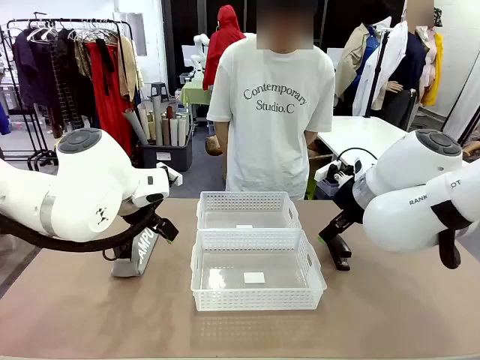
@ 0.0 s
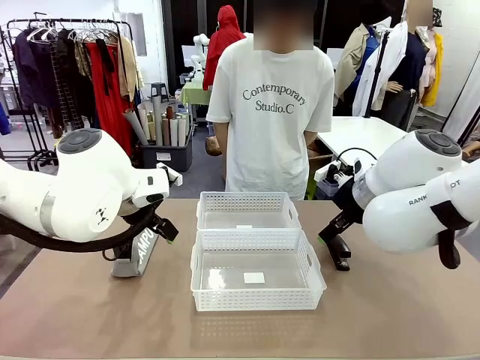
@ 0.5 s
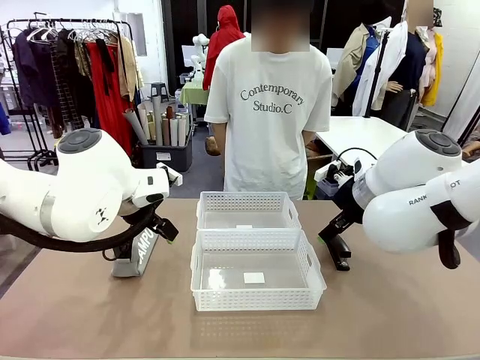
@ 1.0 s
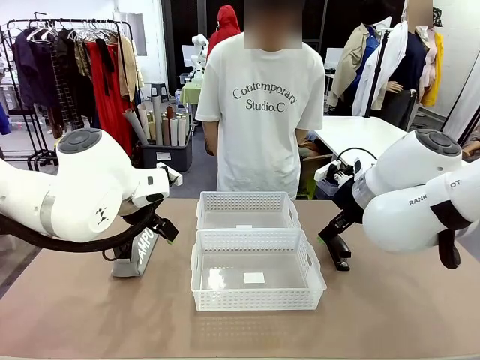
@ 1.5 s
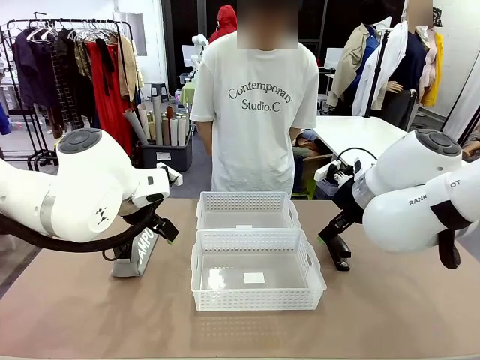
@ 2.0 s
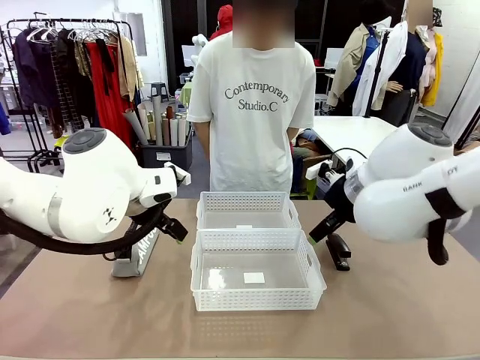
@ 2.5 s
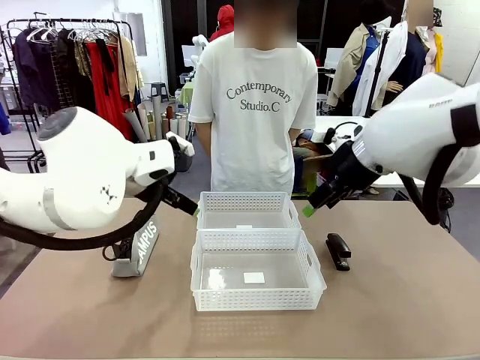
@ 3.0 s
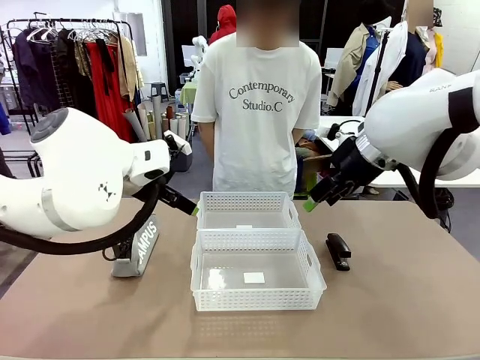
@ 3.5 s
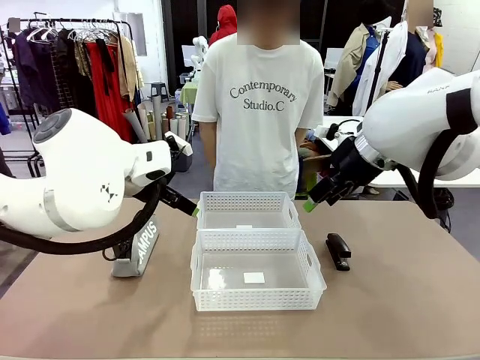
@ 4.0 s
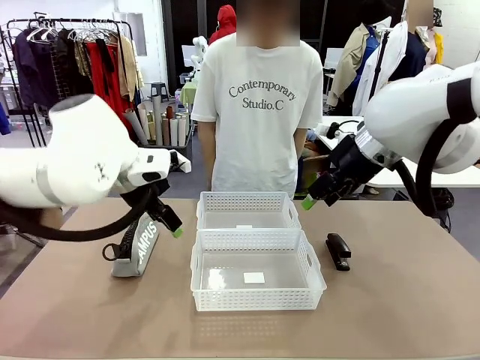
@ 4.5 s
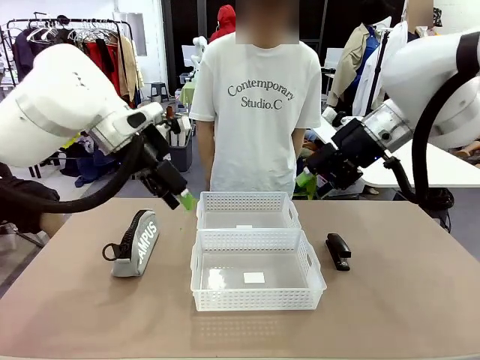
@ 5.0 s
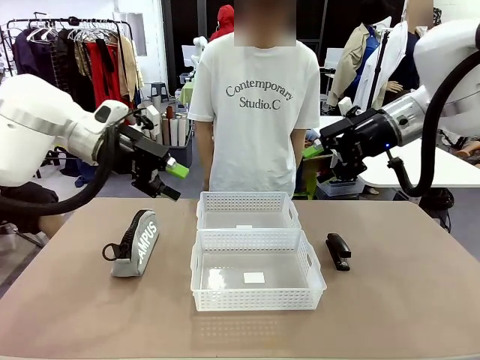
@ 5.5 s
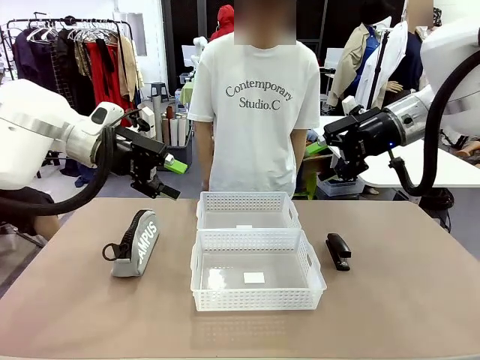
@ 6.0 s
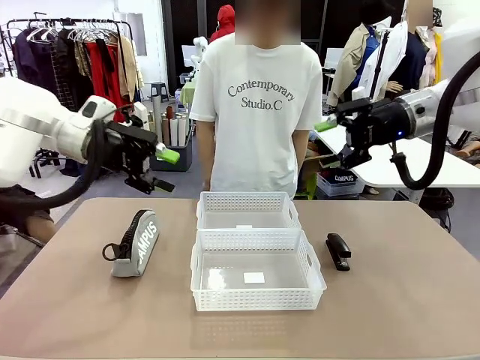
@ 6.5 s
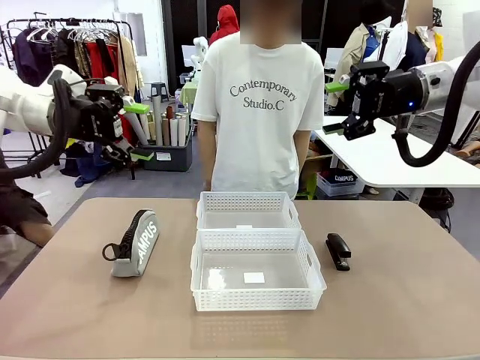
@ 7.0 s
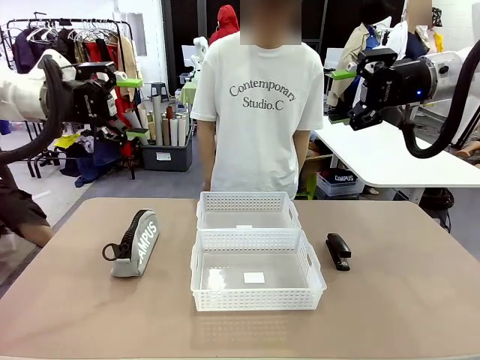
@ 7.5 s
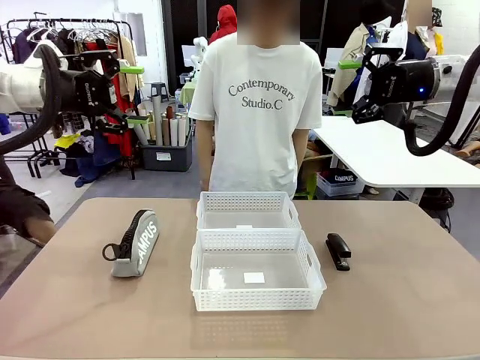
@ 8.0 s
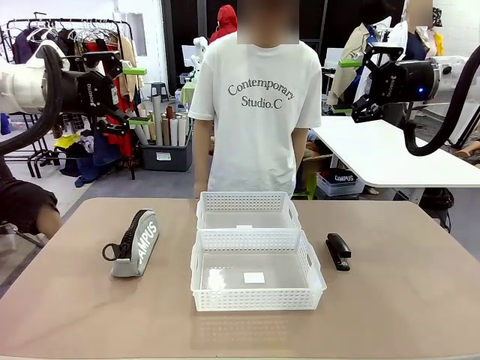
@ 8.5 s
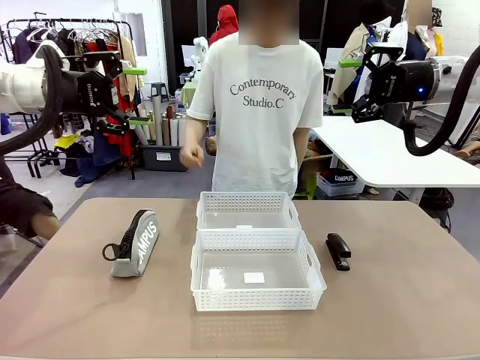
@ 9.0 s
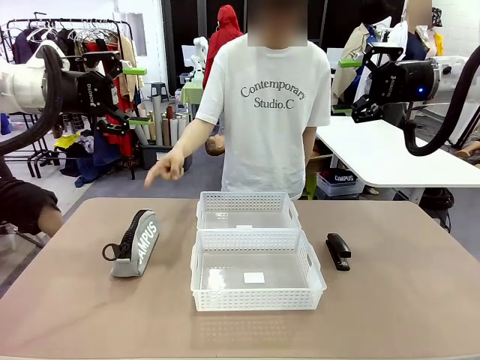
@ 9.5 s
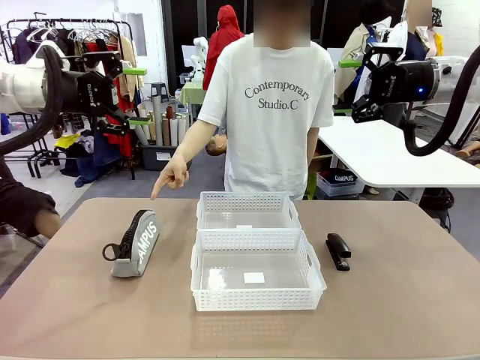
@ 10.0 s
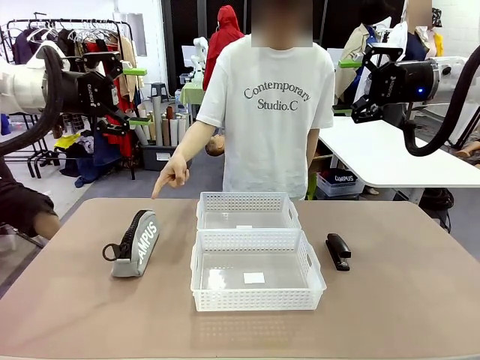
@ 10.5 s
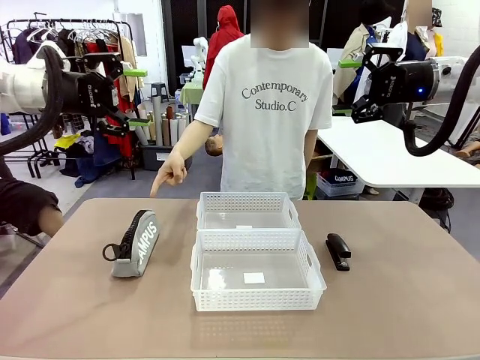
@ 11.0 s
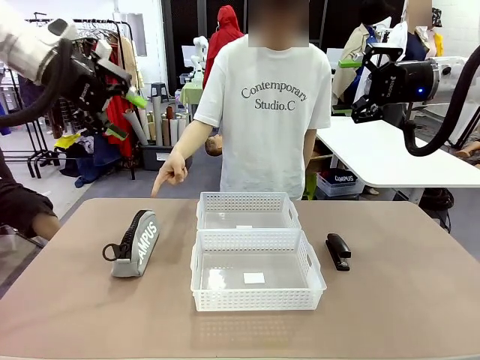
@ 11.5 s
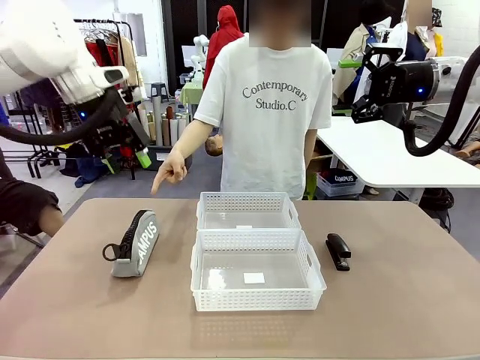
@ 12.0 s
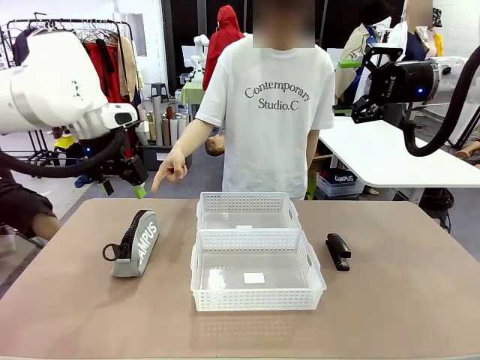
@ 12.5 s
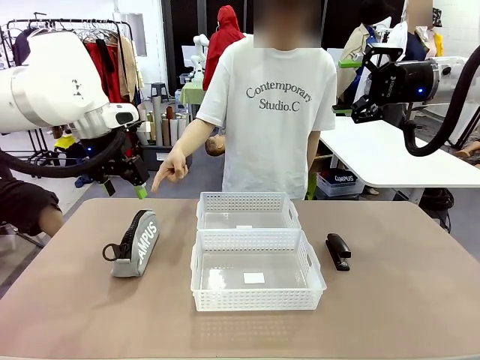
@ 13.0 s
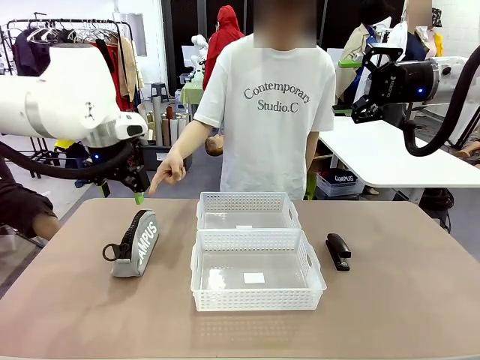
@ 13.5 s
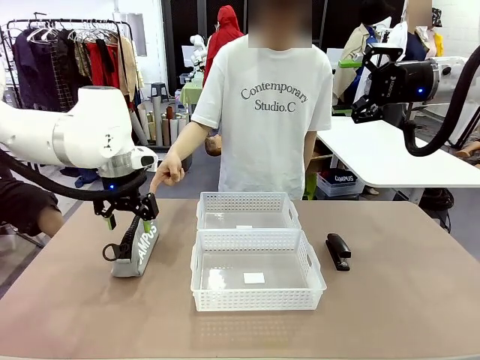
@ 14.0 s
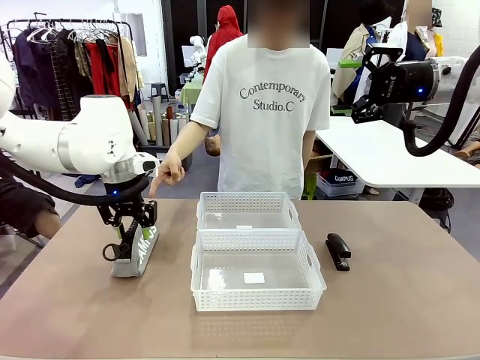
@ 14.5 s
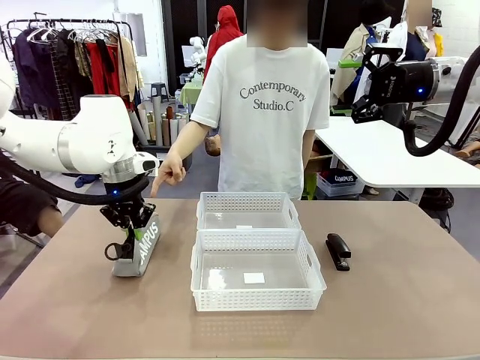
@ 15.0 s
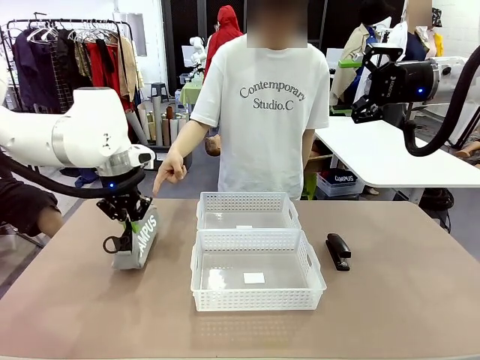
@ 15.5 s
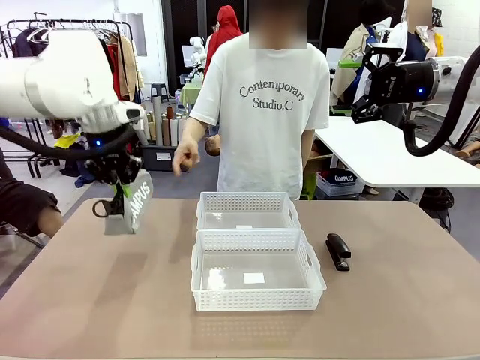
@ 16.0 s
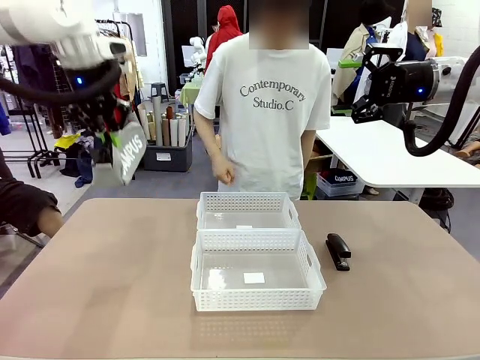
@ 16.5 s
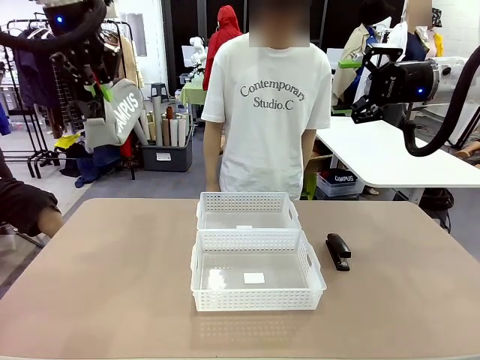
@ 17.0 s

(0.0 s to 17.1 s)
Task: Distribute items into two baskets.
Robot: Pick up the Pencil pouch that the person points to.
Person: Points to the pencil case. Points between the two organizing baskets and instructs the robot to move the pencil case.

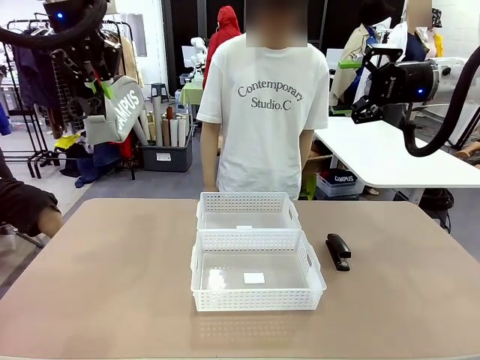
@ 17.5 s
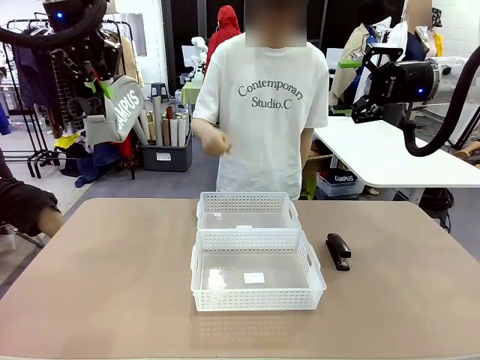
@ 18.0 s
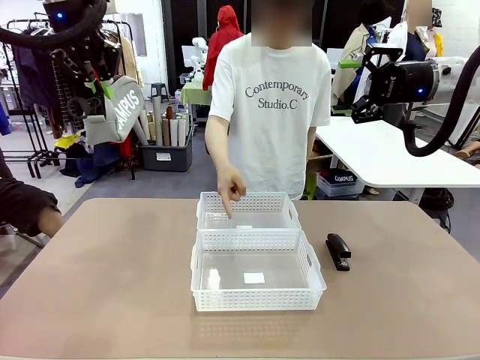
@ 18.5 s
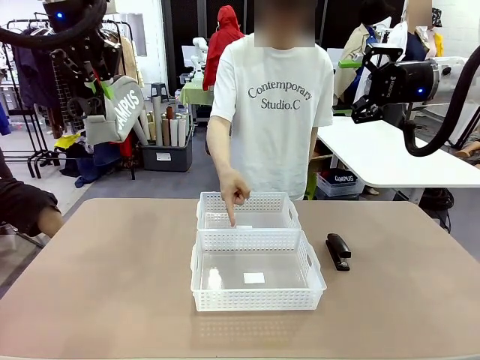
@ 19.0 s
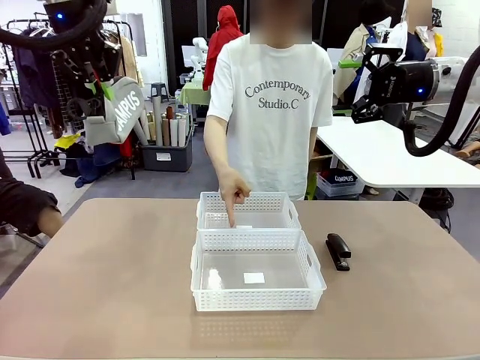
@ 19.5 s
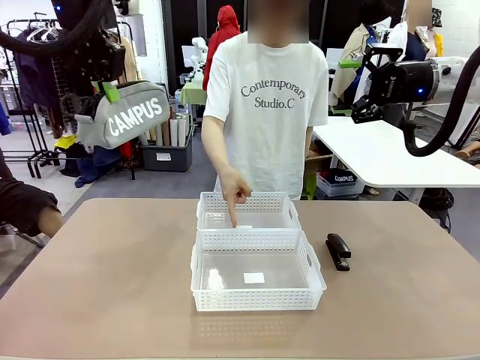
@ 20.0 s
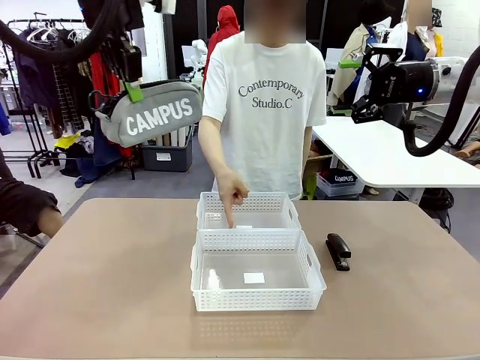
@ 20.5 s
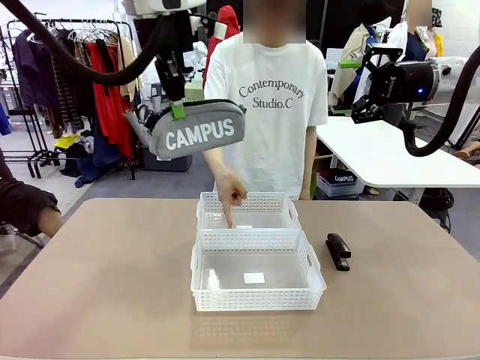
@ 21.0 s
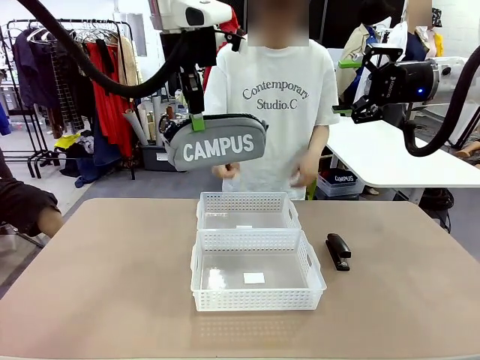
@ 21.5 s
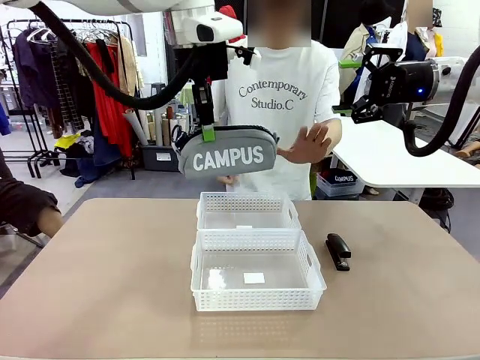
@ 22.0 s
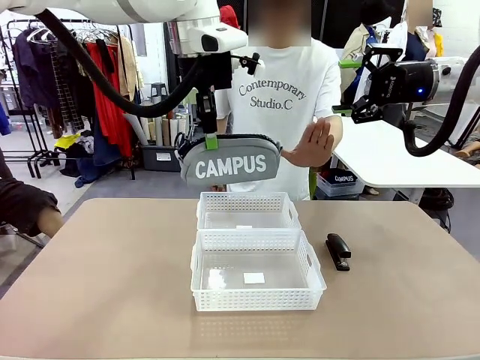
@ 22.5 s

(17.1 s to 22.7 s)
Robot: Move the picked Pencil pouch towards the Organizing basket indicated by the person, stopping as directed.
Person: Sends a stop gesture before the robot places the pencil case into the basket.

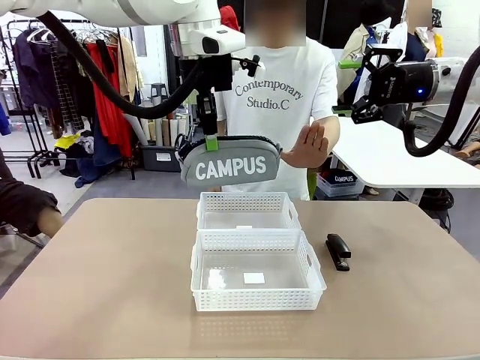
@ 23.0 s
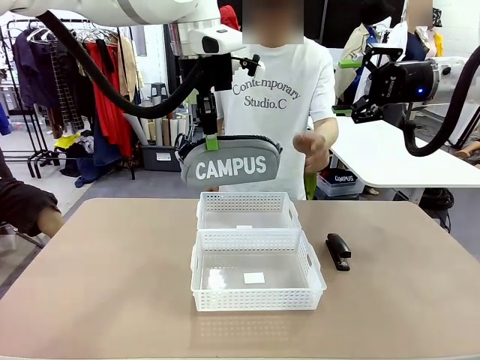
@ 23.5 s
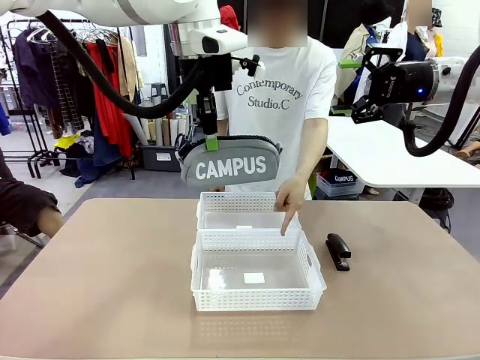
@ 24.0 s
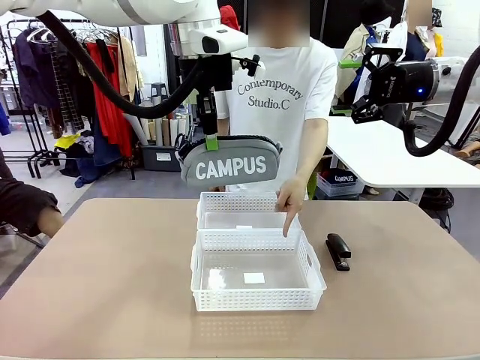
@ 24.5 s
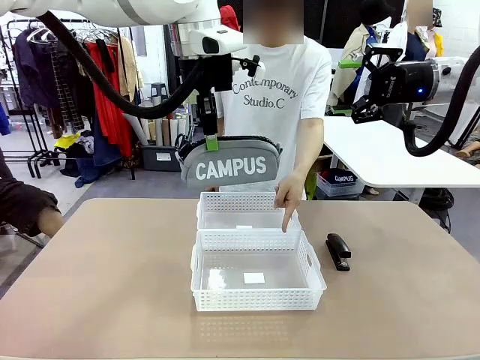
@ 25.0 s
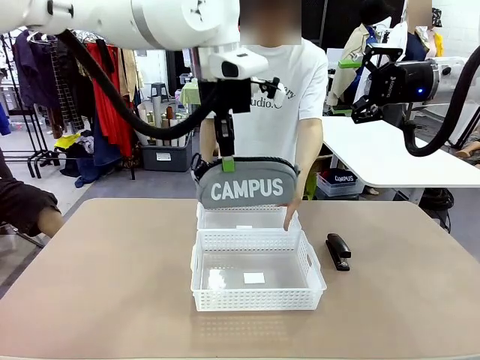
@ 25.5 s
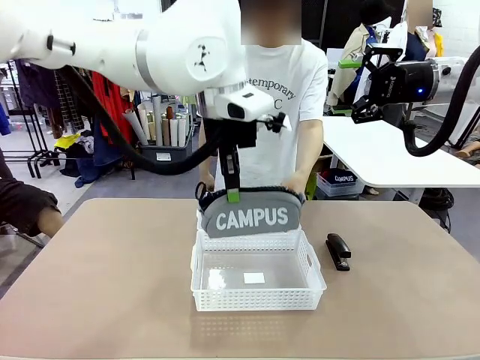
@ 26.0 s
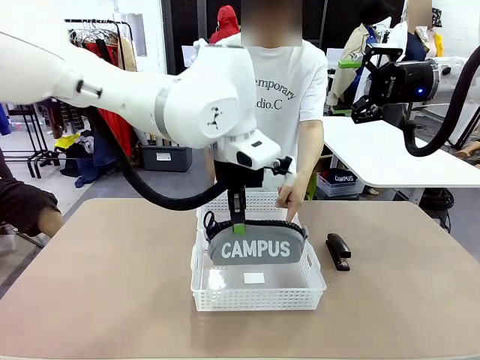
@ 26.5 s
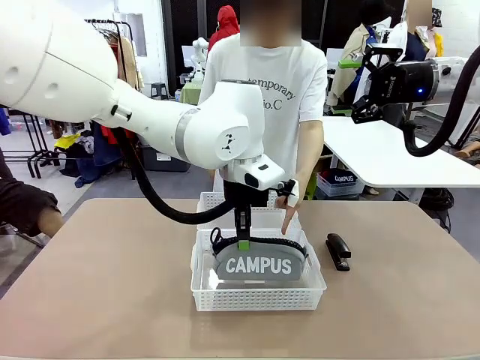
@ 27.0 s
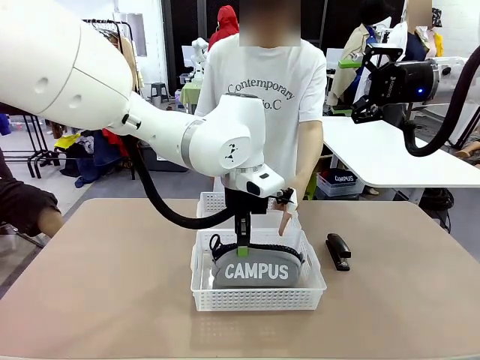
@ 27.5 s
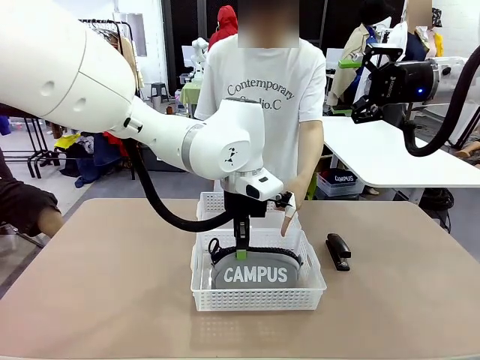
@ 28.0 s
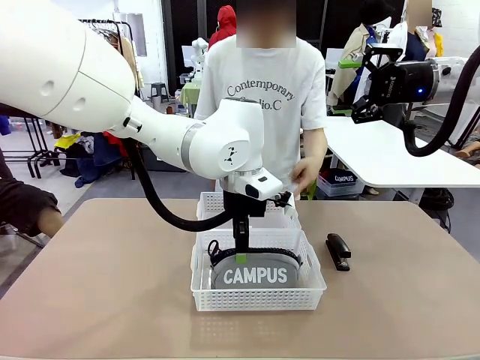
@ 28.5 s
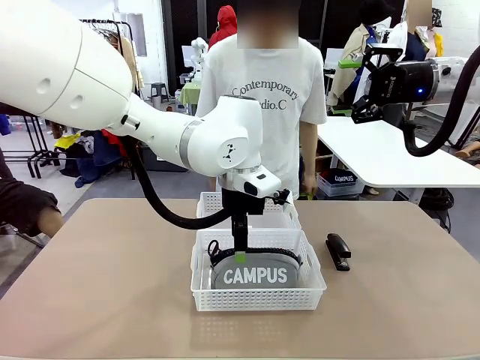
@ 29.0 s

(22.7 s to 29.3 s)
Robot: Place the picked Pencil pouch into the Organizing basket as instructed by the person.
Person: Instructs the robot to place the pencil case into the opposite basket.
